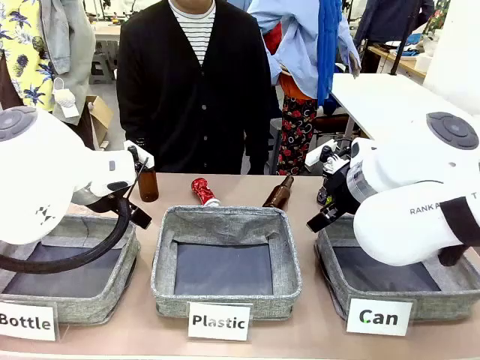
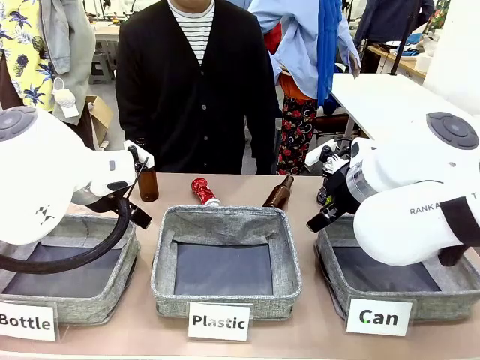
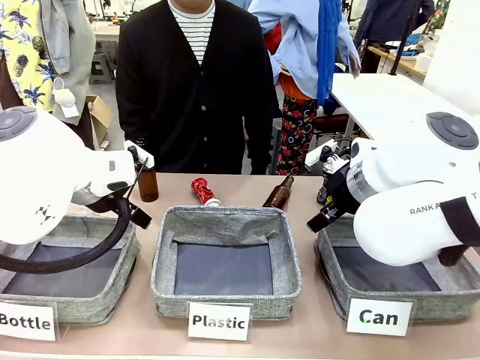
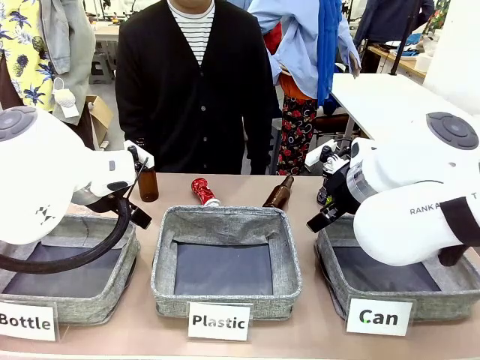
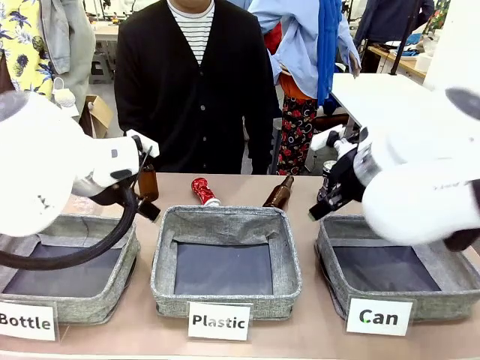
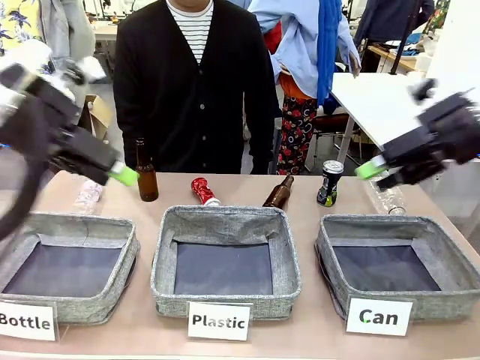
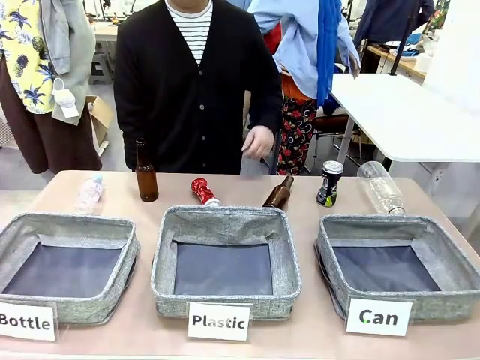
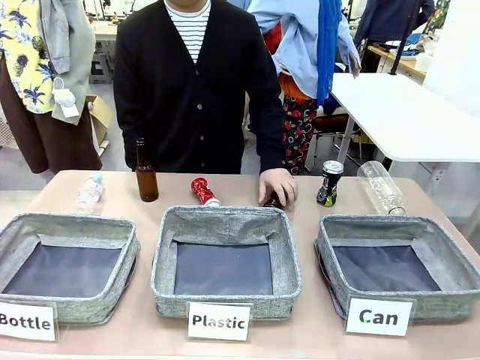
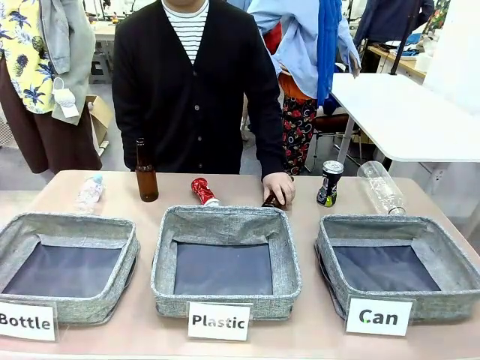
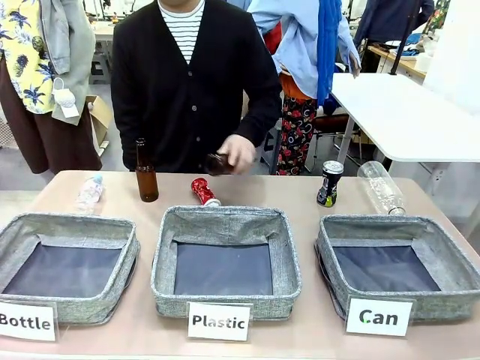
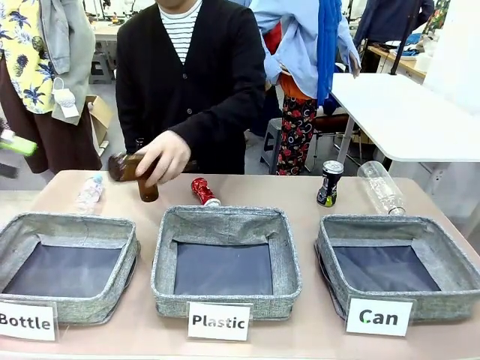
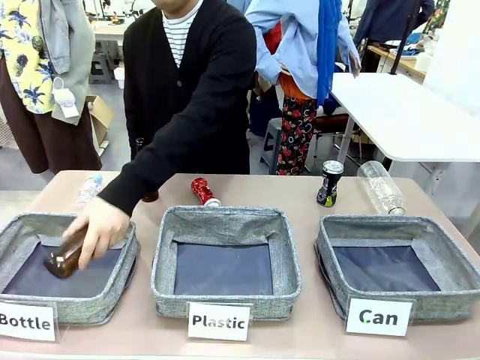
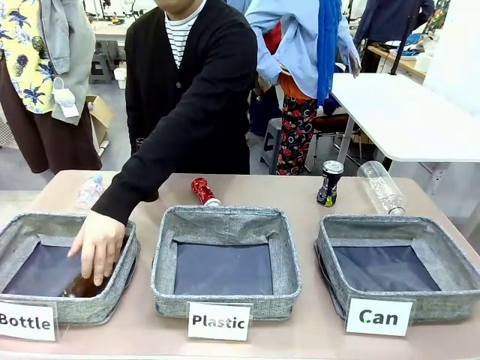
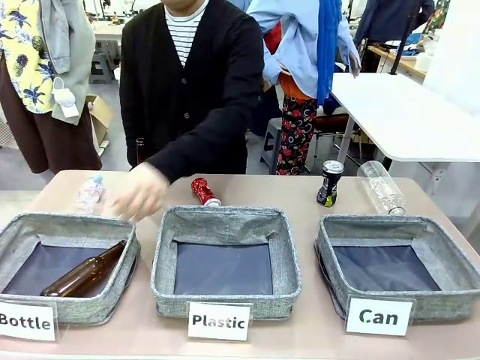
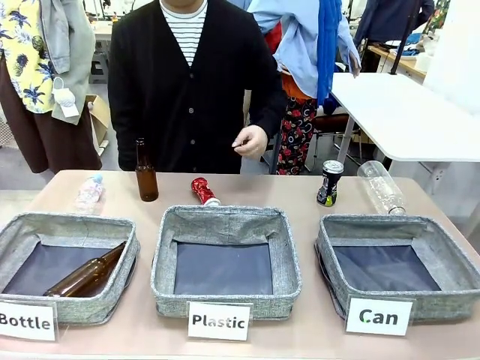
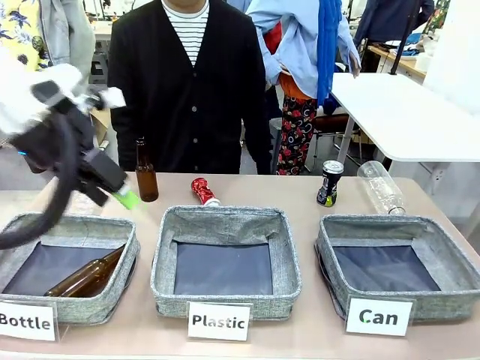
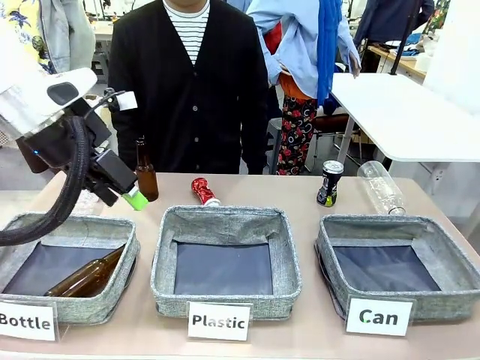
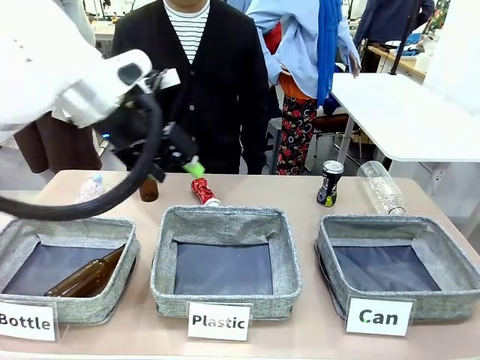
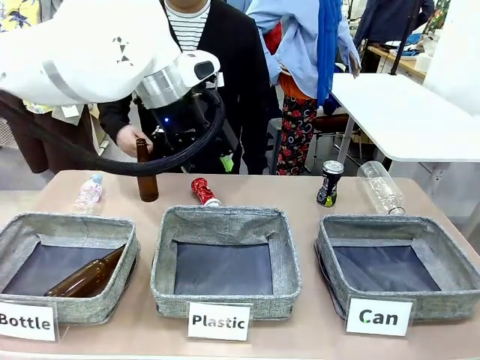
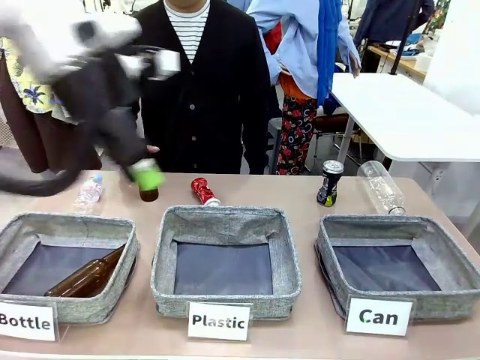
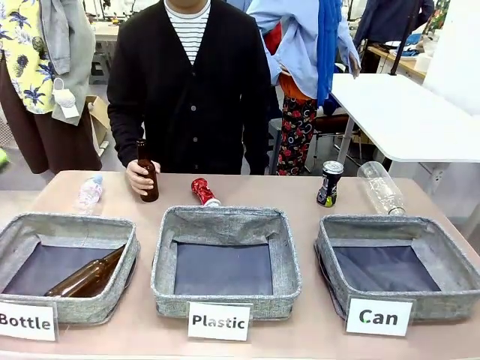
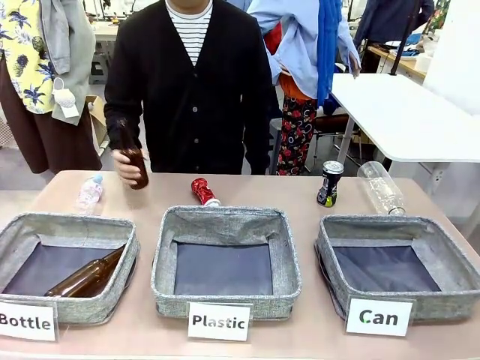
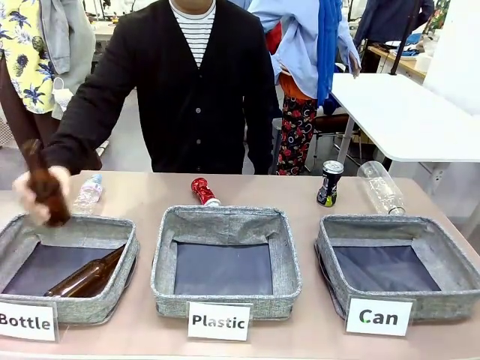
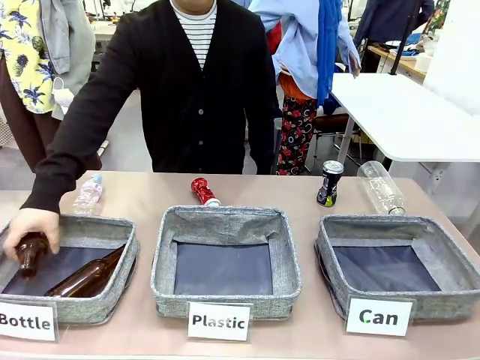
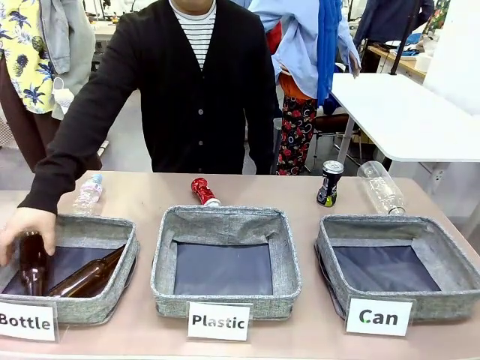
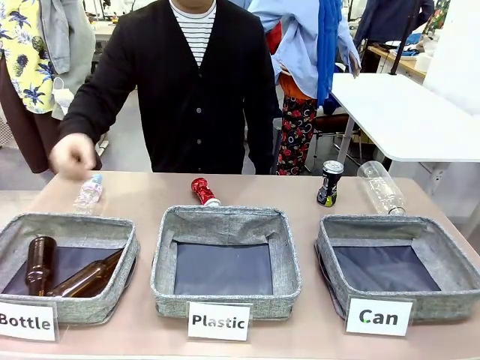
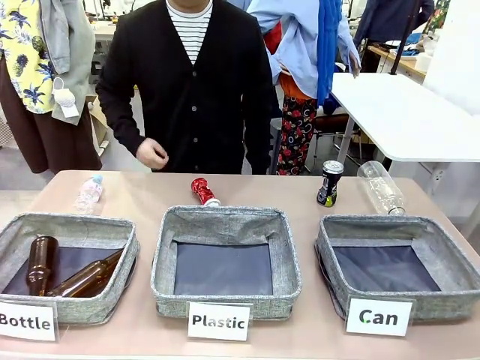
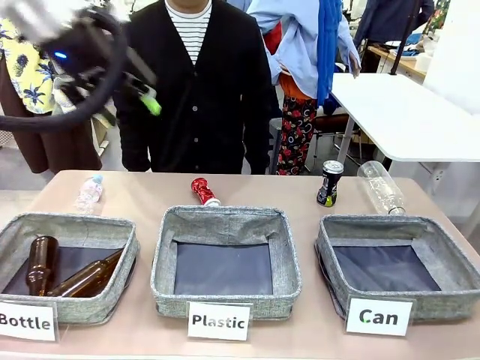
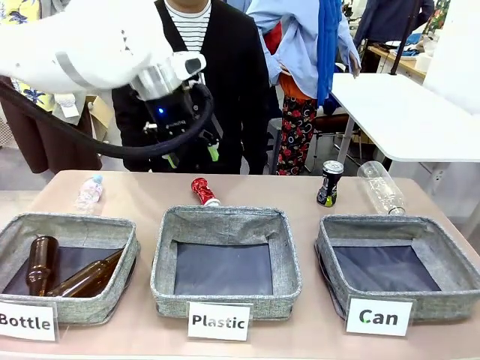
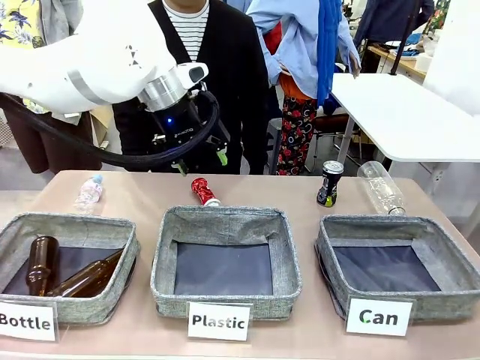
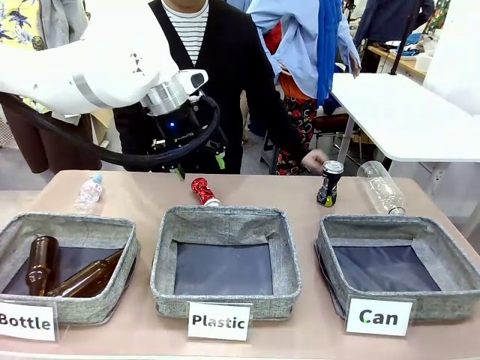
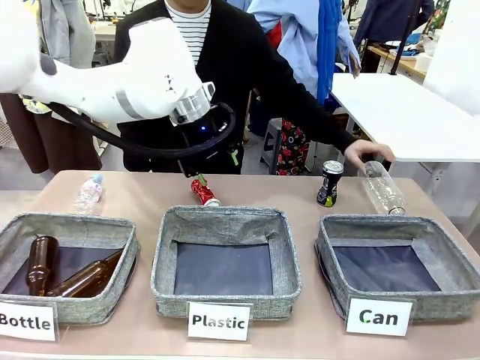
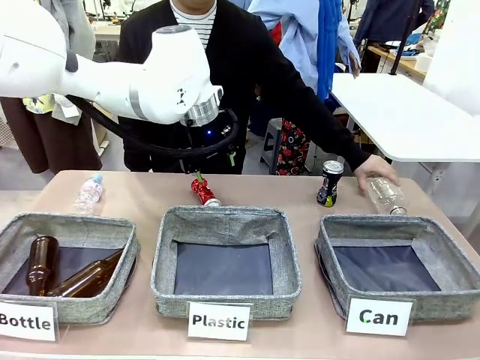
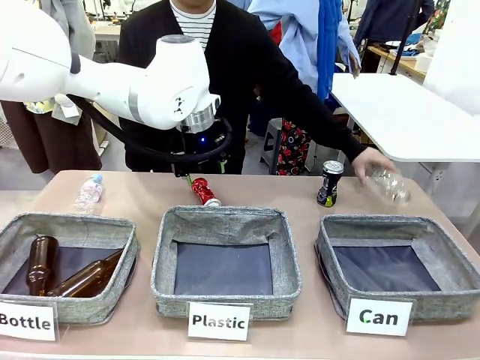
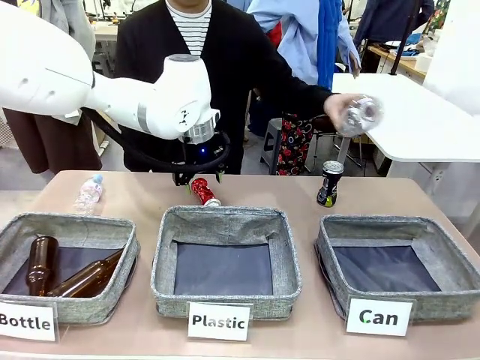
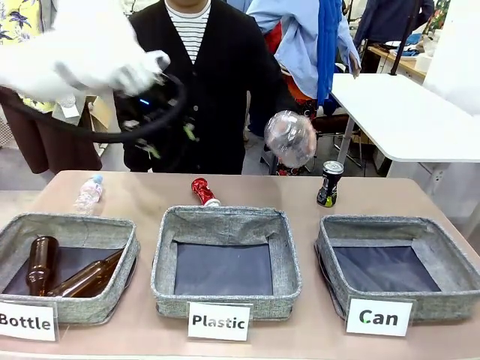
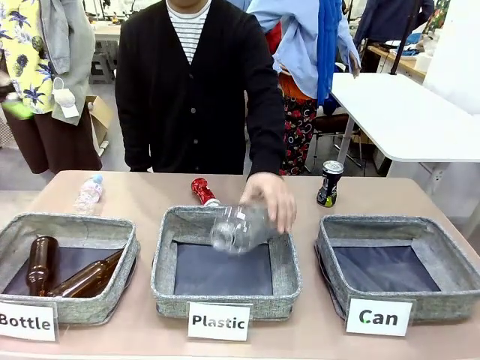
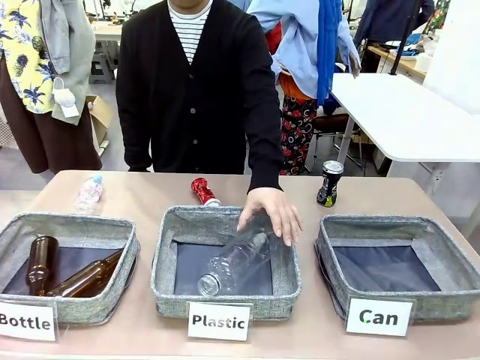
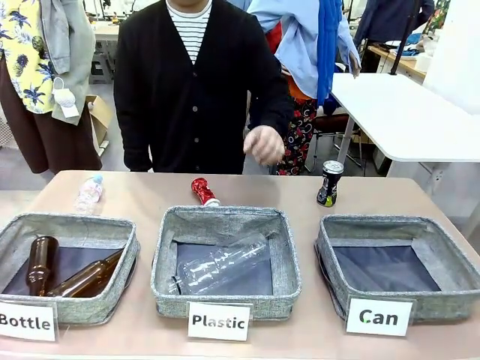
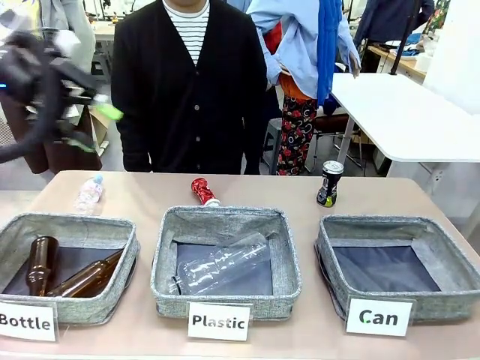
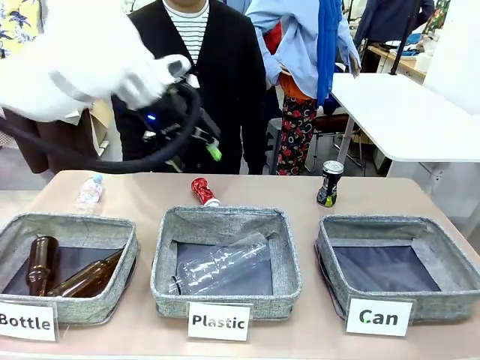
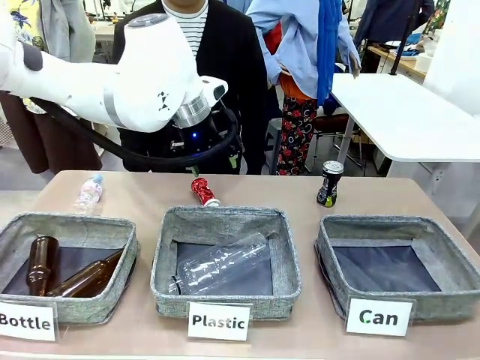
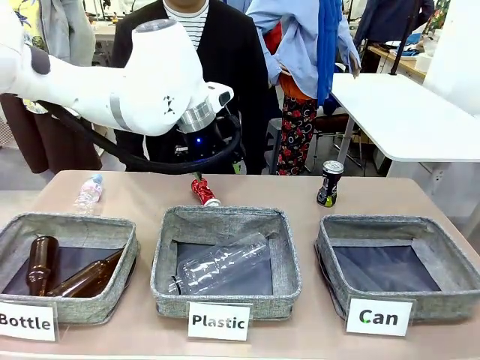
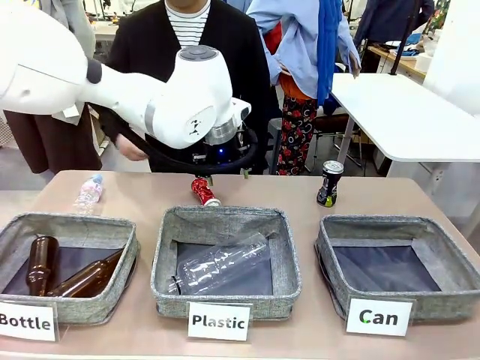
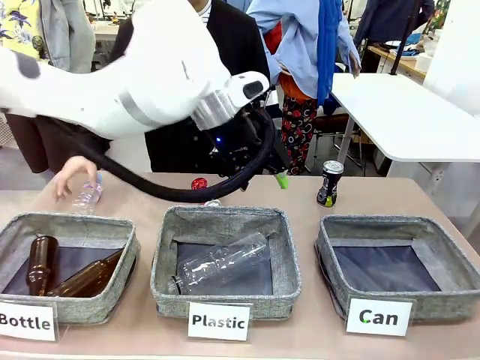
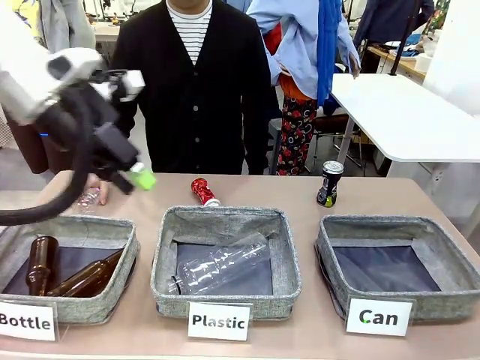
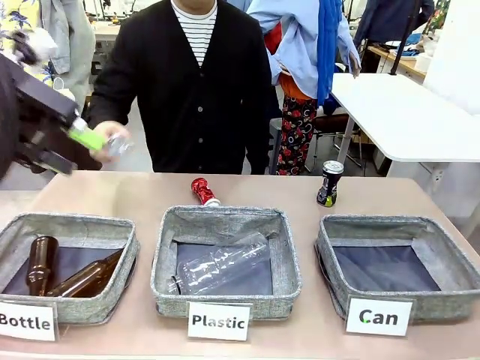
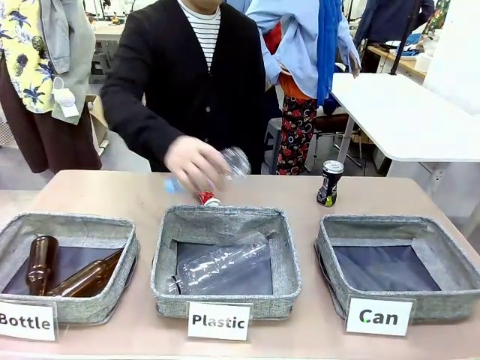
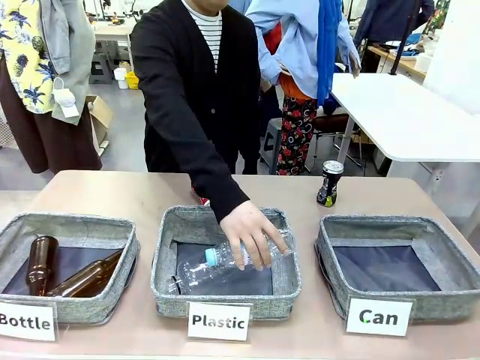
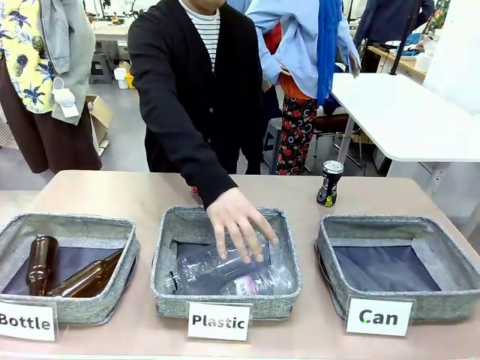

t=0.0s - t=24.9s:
Task: Sort the can waste into the basket.
Robot: Pick up the can waste from the table and place it in the right Fabric basket.
